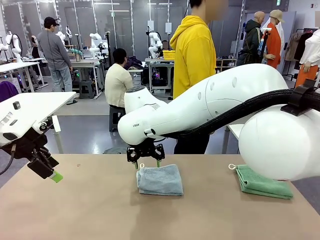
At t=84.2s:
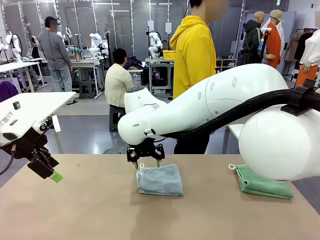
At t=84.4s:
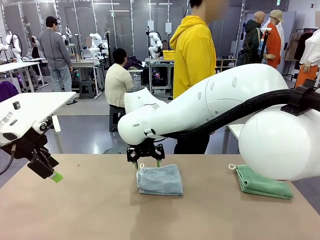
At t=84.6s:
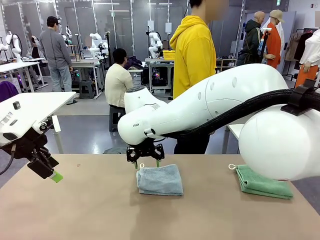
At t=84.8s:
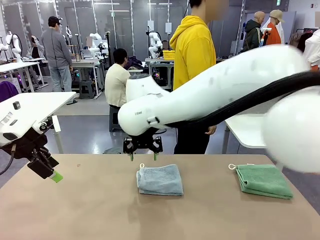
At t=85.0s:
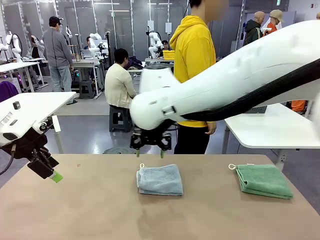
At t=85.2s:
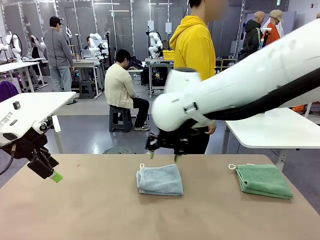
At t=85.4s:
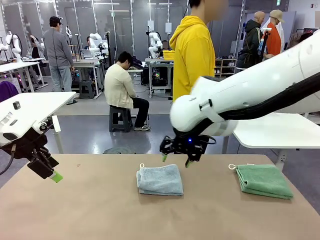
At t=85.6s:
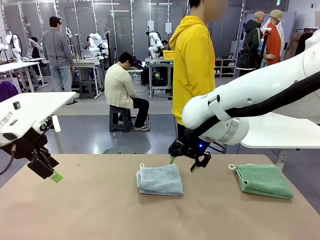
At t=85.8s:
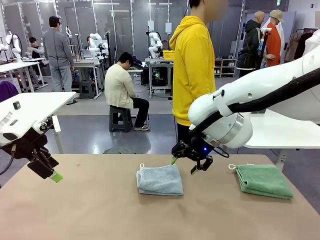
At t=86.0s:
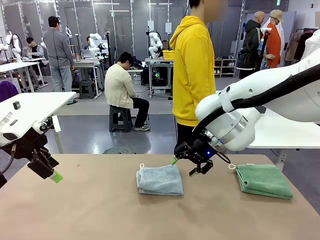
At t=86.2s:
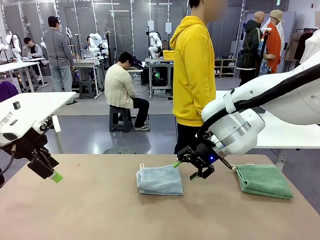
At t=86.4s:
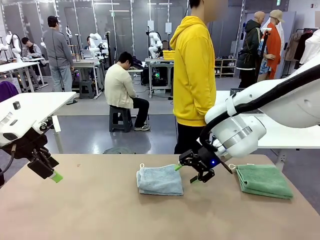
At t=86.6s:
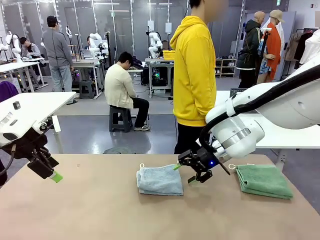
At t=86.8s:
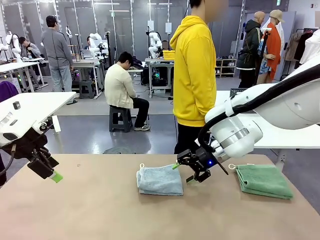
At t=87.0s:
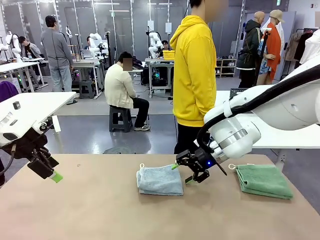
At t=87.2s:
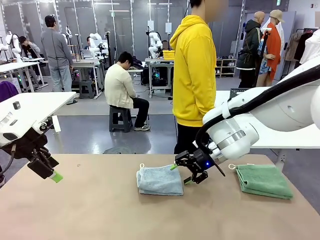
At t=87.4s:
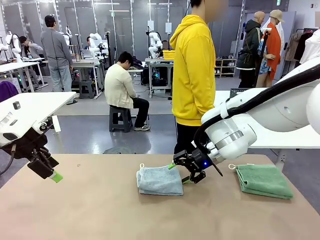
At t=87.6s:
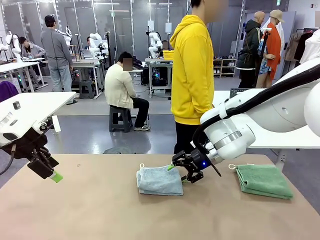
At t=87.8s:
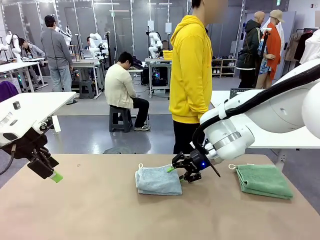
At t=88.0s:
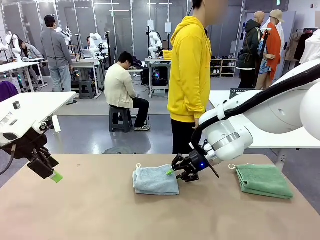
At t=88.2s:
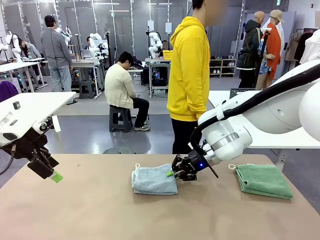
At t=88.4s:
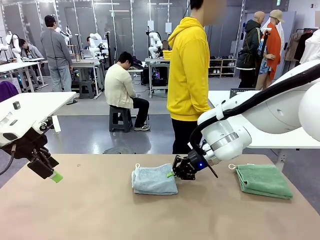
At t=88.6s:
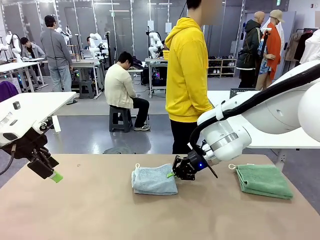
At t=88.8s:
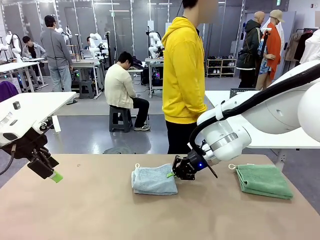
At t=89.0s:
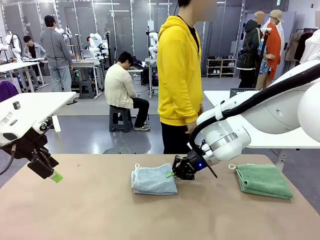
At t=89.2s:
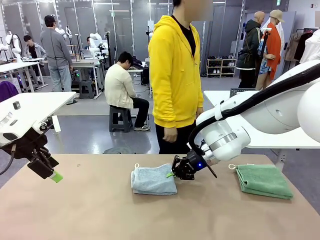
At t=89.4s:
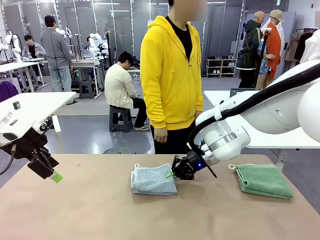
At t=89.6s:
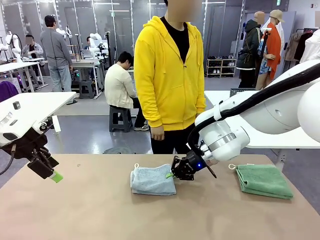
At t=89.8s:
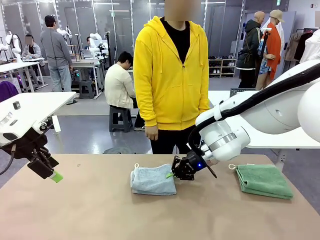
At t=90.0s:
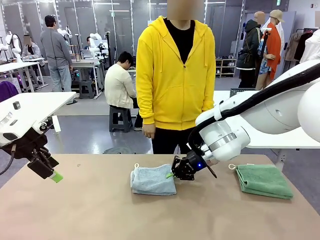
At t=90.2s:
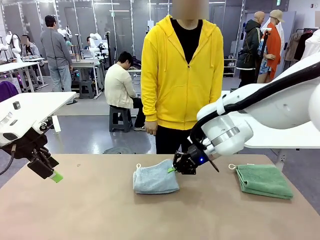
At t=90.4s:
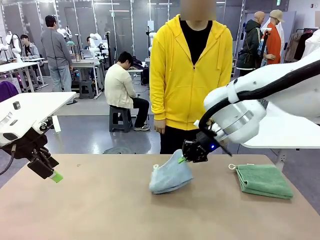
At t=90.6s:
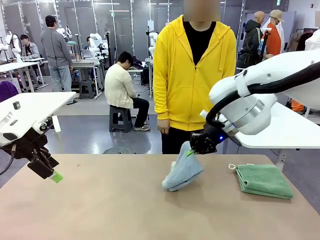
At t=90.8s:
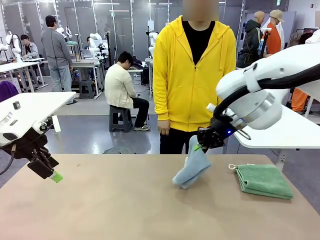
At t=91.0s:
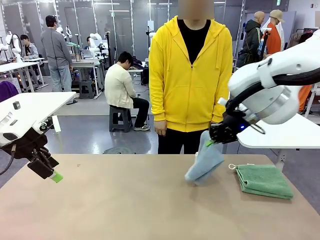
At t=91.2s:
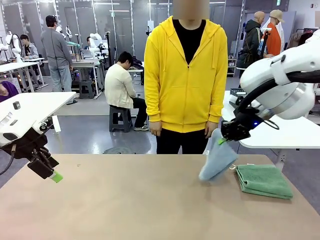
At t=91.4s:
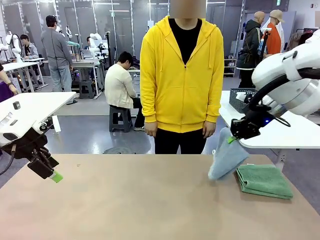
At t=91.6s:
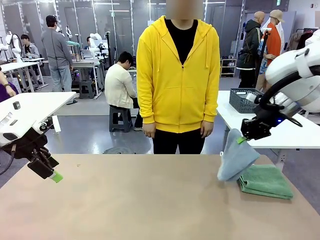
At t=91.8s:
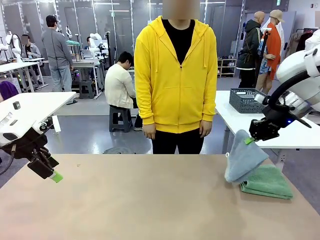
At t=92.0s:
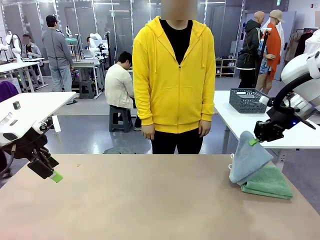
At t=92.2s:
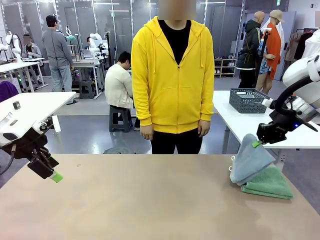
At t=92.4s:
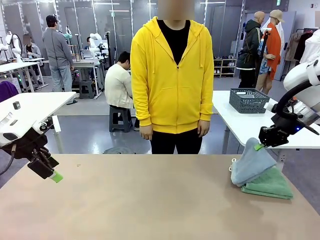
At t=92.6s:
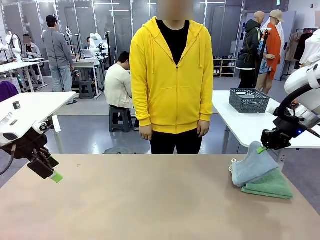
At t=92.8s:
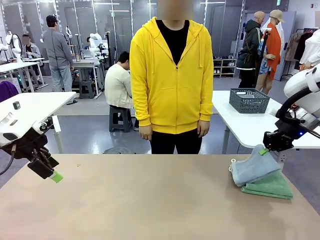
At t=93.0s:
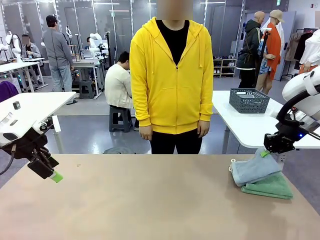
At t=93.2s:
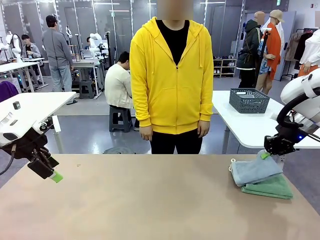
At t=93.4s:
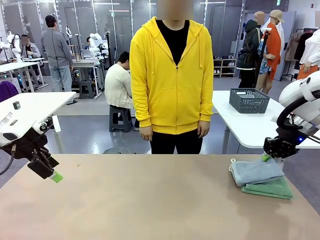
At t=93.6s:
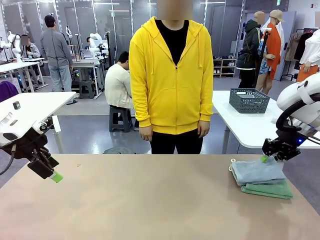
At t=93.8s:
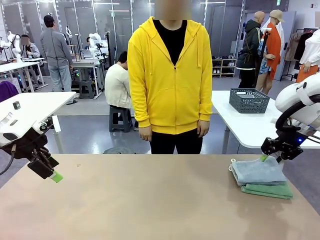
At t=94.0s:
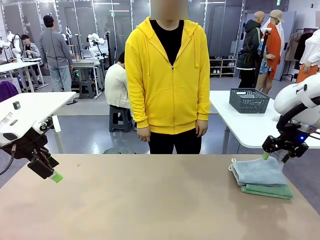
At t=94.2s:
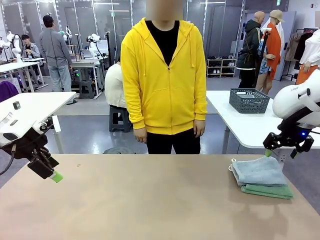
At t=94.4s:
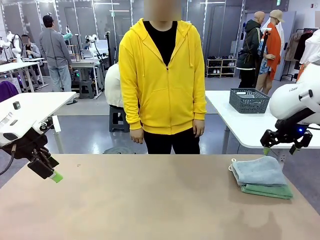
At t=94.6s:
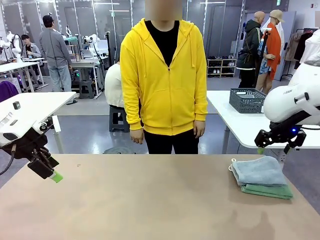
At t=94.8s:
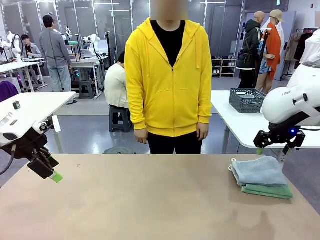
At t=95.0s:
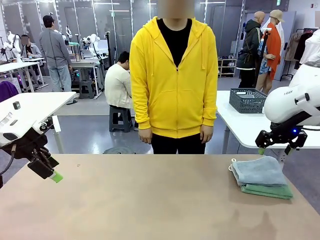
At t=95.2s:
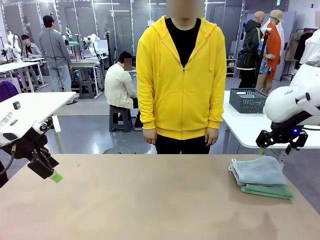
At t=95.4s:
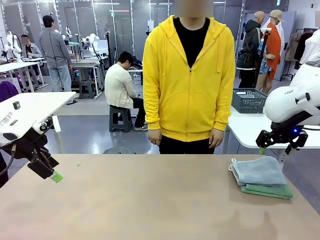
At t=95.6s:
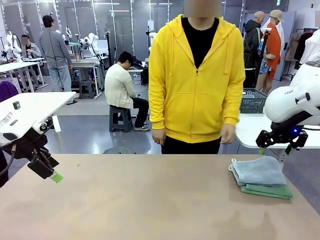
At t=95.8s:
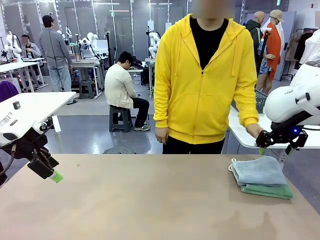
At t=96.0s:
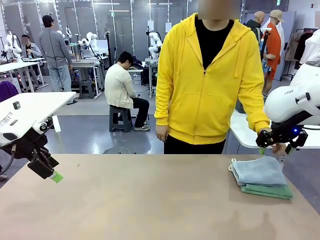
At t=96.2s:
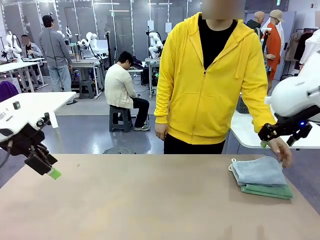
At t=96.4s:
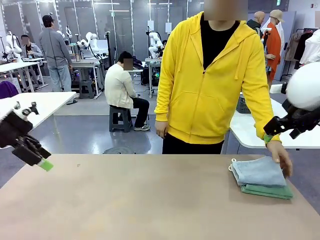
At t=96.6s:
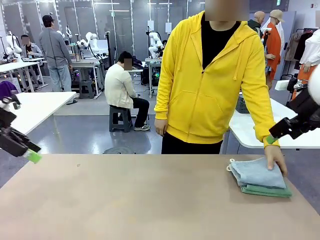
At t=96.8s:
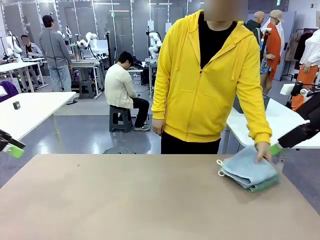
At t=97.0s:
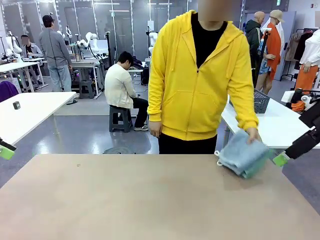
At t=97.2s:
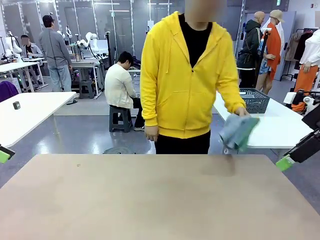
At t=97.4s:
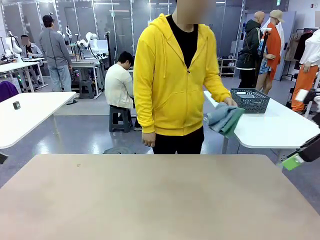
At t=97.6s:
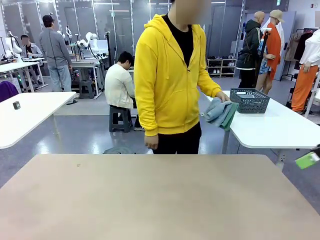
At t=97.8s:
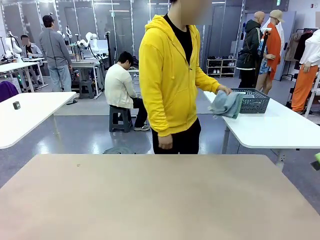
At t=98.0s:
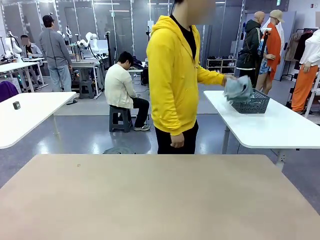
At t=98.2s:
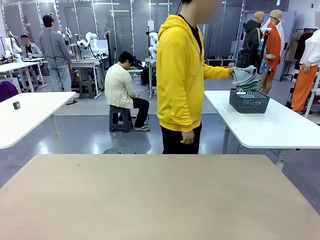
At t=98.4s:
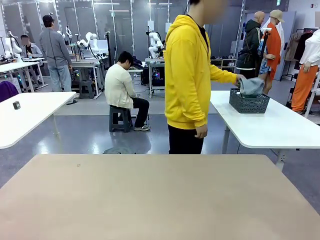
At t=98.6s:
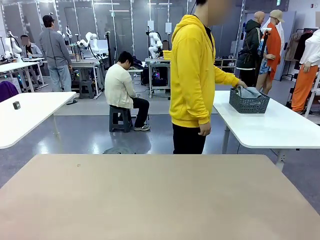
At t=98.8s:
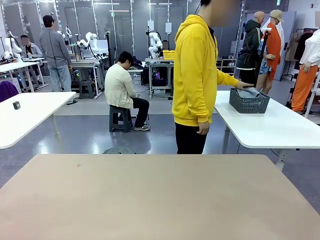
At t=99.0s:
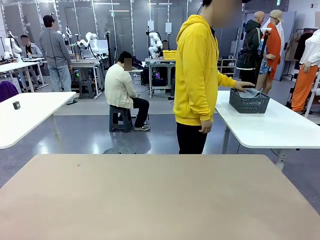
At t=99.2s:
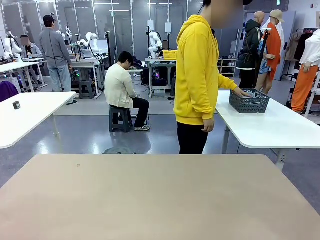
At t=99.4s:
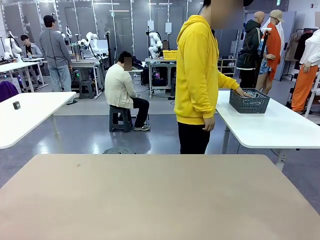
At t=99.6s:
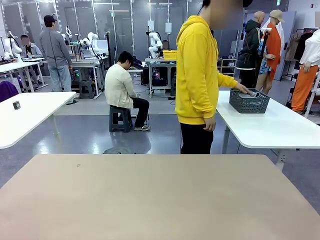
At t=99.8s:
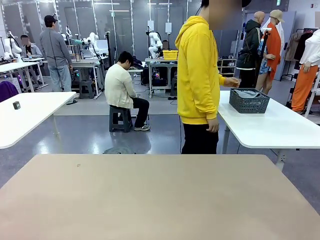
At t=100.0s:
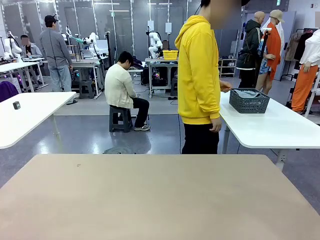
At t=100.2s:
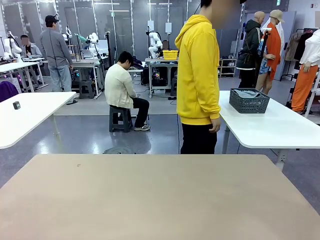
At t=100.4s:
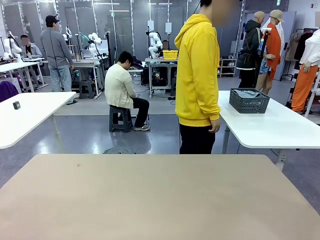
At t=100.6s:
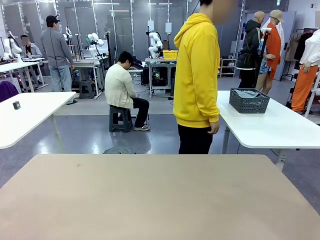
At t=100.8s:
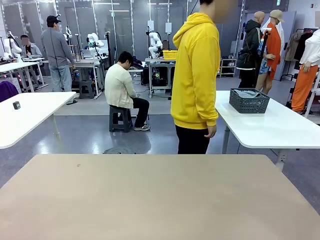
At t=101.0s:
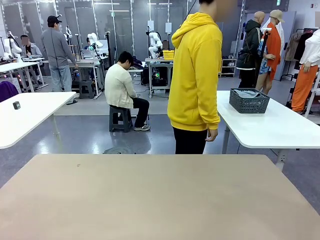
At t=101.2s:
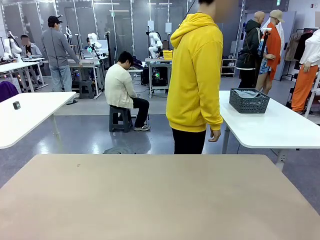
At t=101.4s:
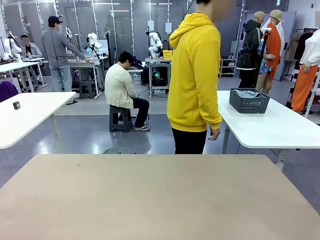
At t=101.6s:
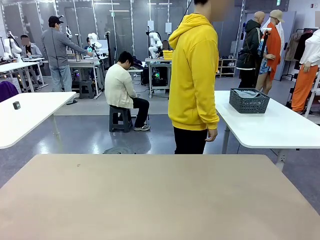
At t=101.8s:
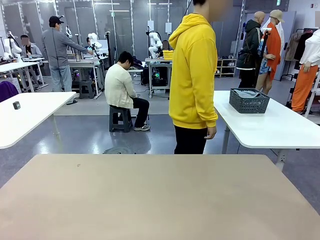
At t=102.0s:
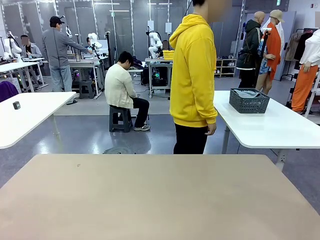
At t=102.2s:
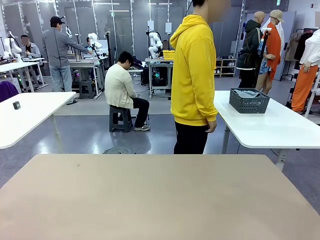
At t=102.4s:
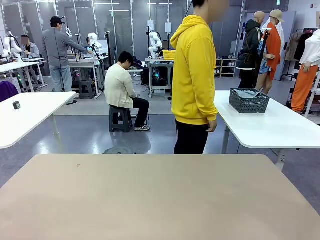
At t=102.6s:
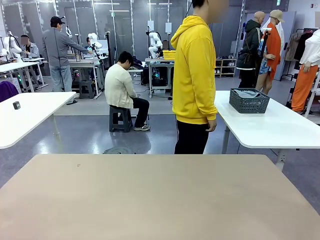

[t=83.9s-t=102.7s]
Task: Fold the towels and place them in the basket.
Robot: Stack the folded Towel with hook on the right side of the table.
Person: Pick up the stack of towels from the robot table and place it into the basket.
